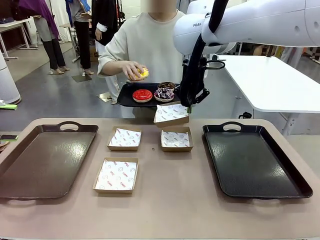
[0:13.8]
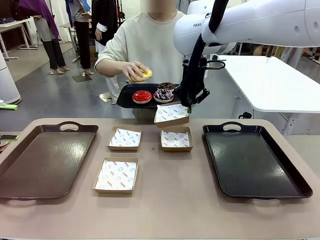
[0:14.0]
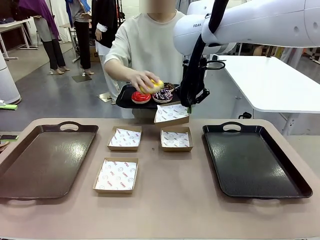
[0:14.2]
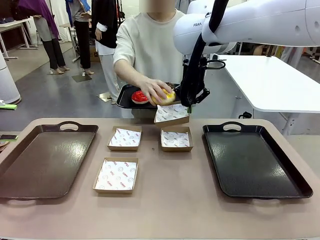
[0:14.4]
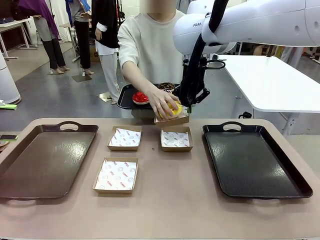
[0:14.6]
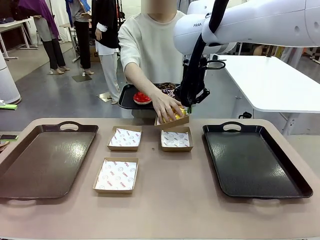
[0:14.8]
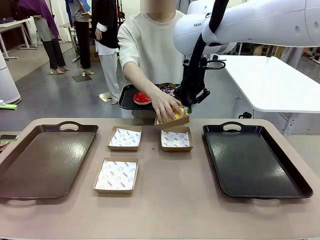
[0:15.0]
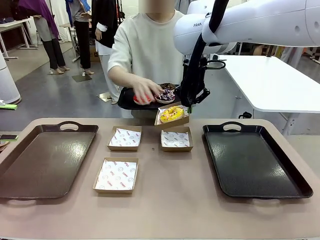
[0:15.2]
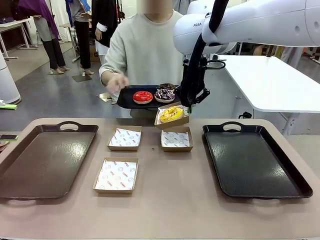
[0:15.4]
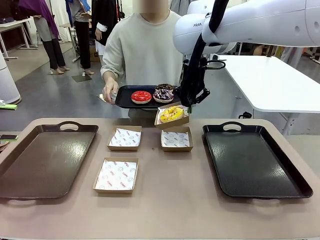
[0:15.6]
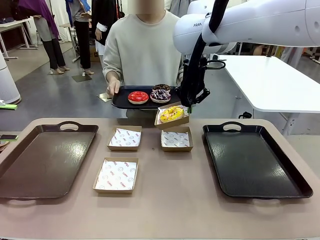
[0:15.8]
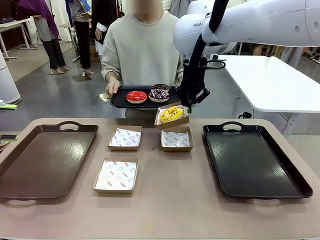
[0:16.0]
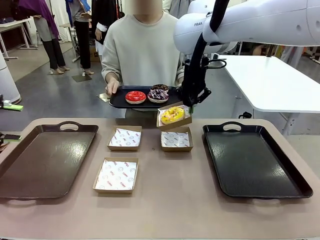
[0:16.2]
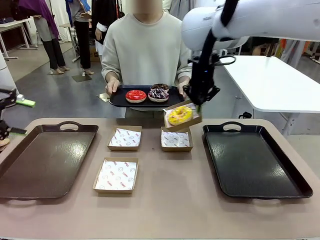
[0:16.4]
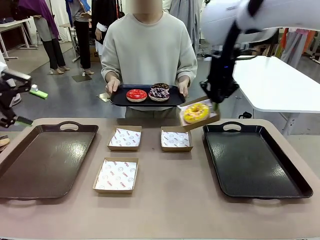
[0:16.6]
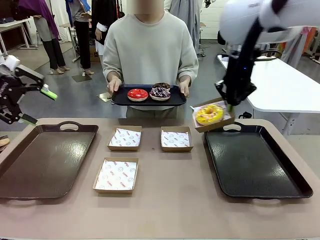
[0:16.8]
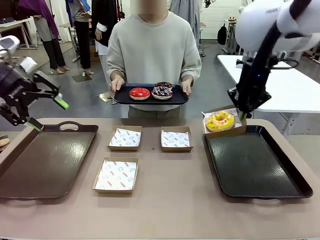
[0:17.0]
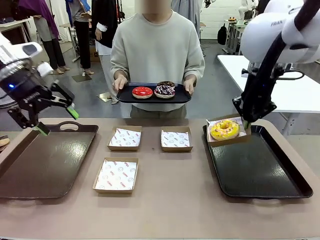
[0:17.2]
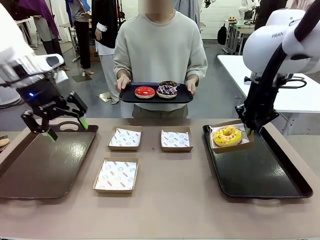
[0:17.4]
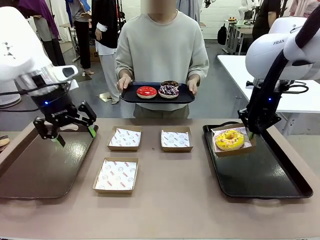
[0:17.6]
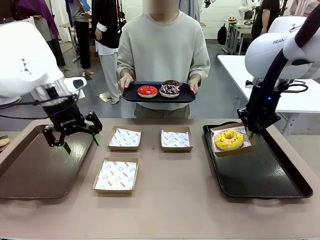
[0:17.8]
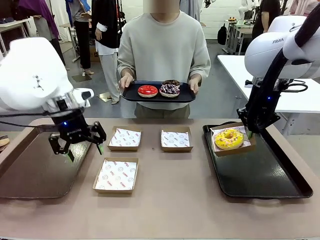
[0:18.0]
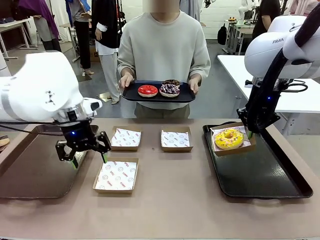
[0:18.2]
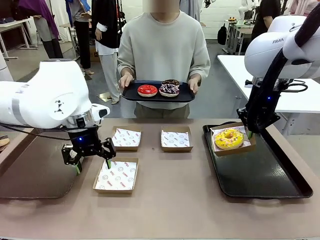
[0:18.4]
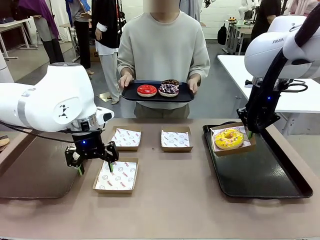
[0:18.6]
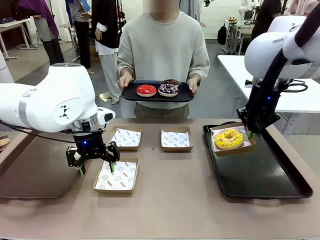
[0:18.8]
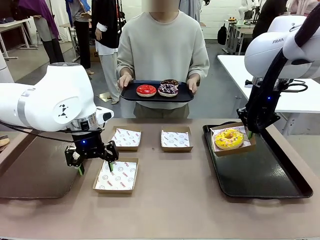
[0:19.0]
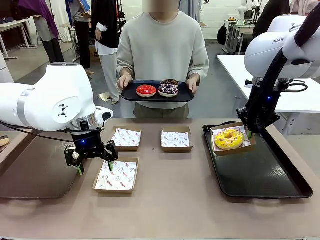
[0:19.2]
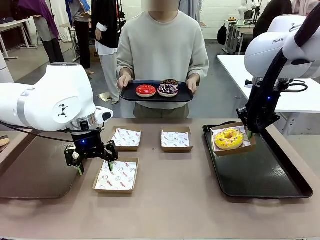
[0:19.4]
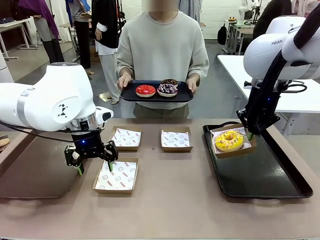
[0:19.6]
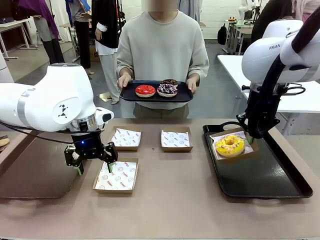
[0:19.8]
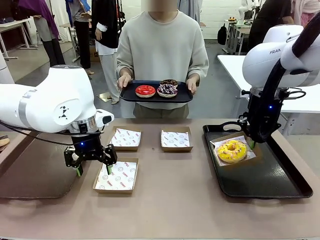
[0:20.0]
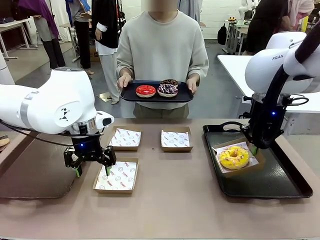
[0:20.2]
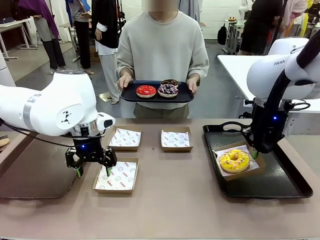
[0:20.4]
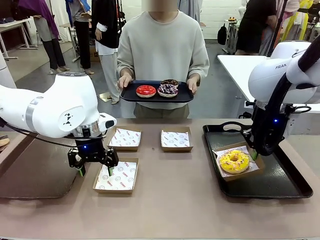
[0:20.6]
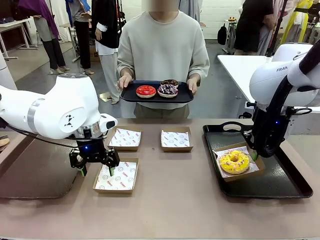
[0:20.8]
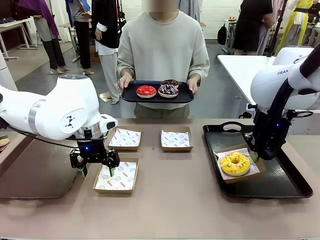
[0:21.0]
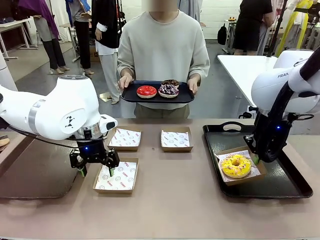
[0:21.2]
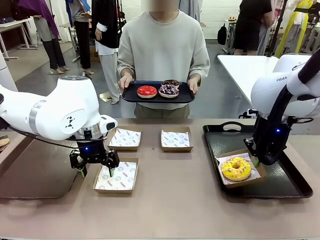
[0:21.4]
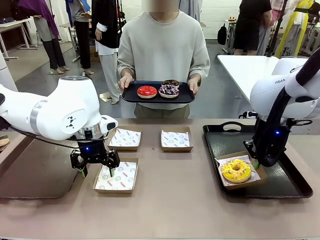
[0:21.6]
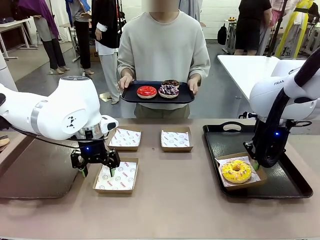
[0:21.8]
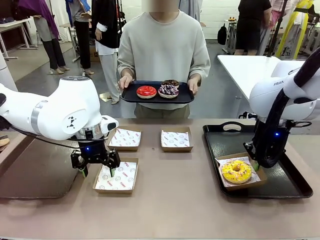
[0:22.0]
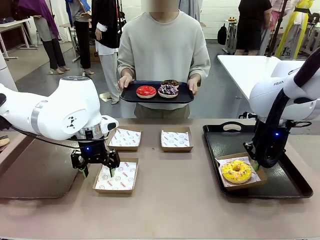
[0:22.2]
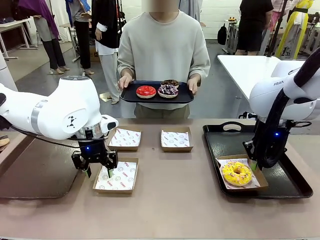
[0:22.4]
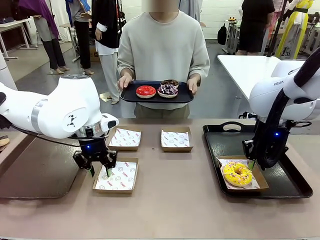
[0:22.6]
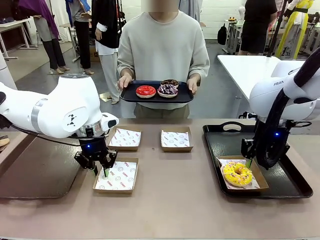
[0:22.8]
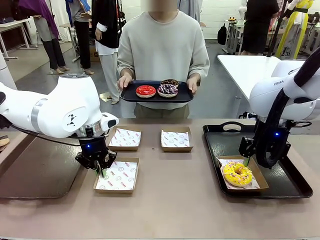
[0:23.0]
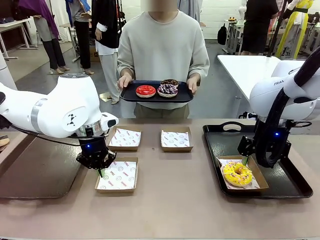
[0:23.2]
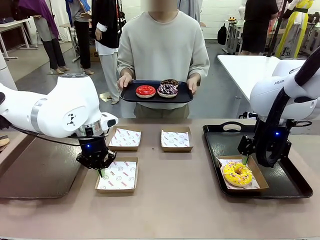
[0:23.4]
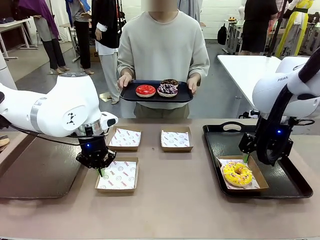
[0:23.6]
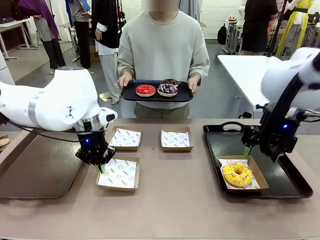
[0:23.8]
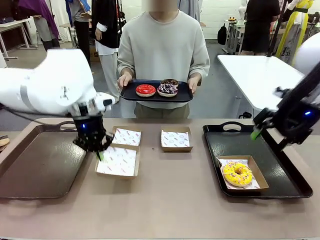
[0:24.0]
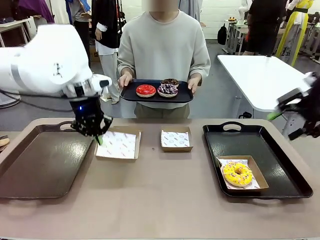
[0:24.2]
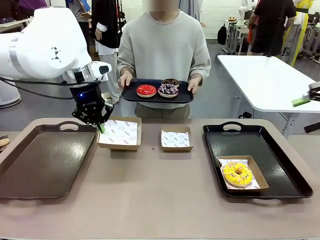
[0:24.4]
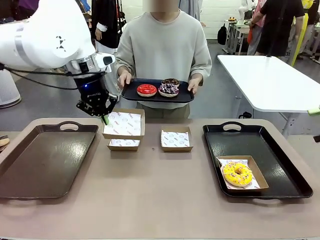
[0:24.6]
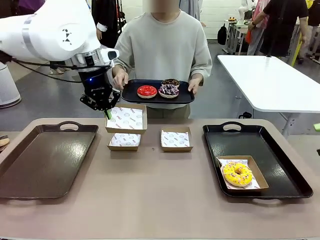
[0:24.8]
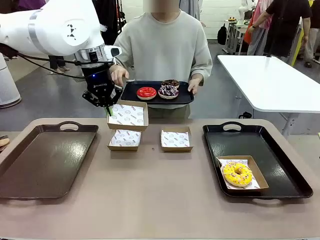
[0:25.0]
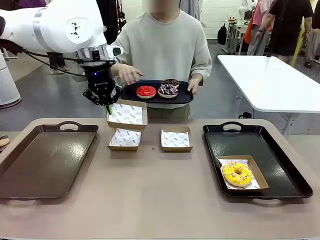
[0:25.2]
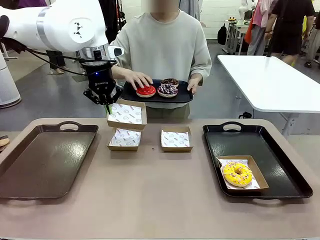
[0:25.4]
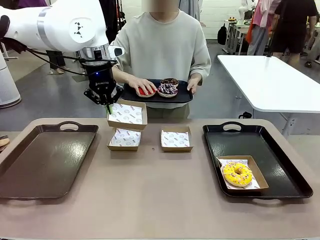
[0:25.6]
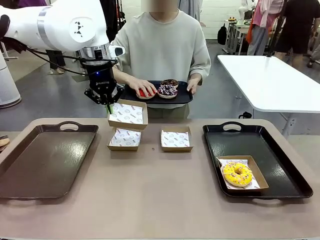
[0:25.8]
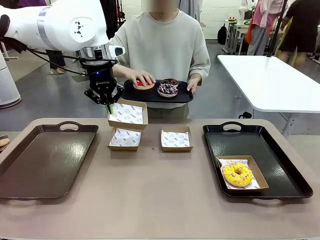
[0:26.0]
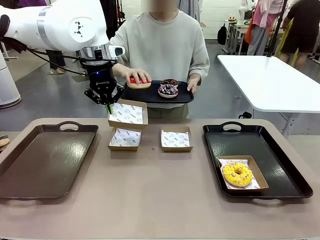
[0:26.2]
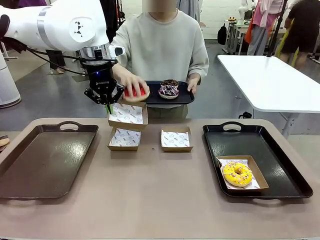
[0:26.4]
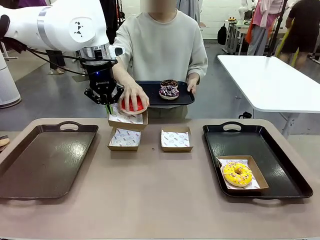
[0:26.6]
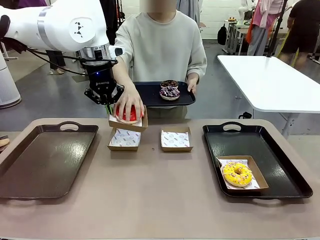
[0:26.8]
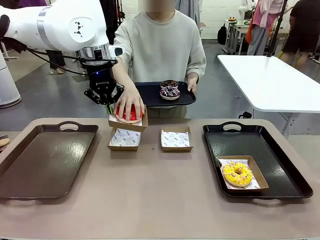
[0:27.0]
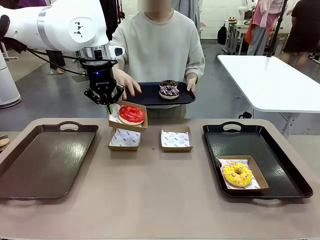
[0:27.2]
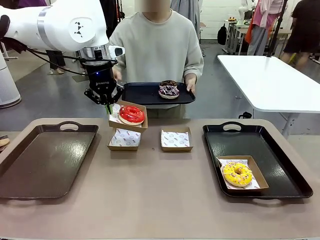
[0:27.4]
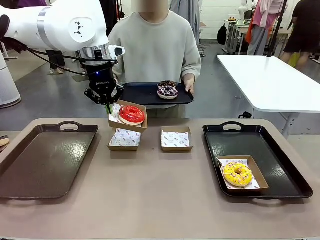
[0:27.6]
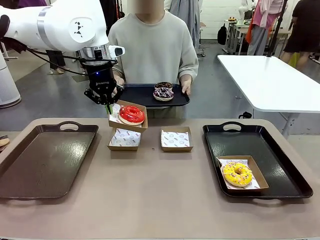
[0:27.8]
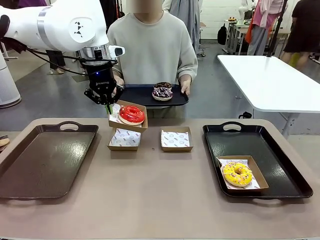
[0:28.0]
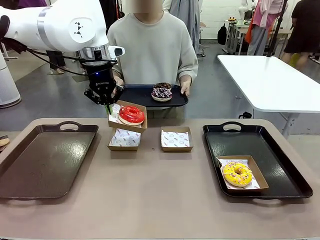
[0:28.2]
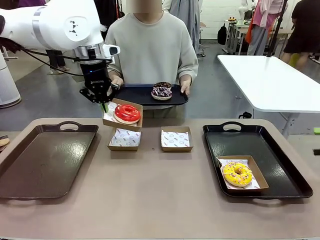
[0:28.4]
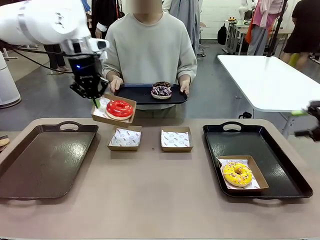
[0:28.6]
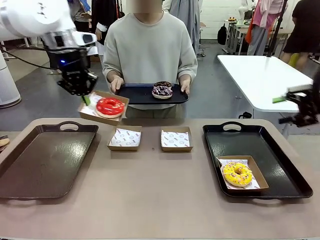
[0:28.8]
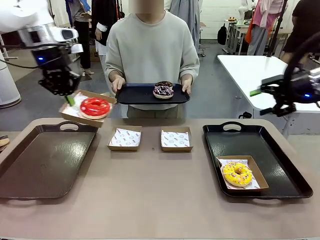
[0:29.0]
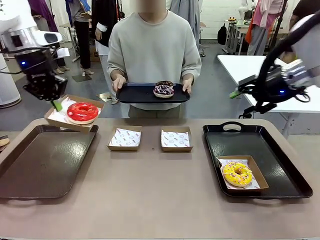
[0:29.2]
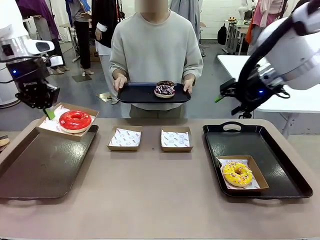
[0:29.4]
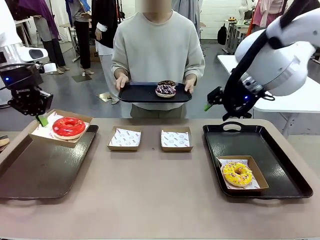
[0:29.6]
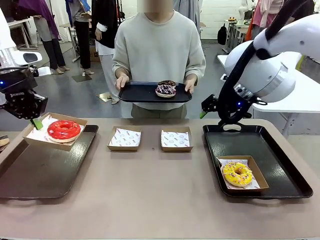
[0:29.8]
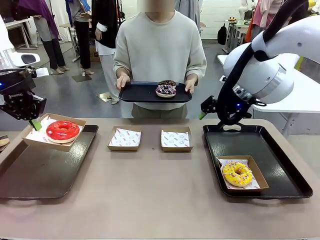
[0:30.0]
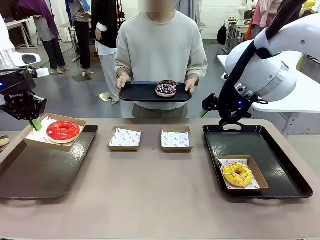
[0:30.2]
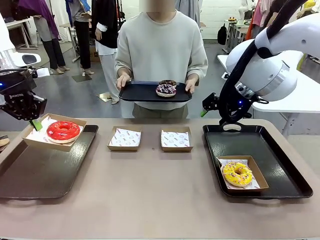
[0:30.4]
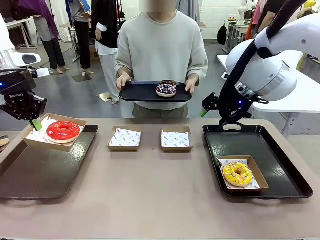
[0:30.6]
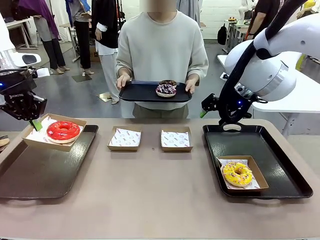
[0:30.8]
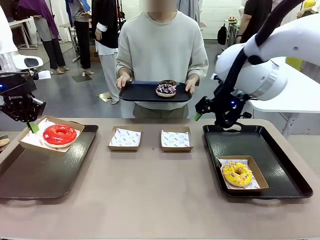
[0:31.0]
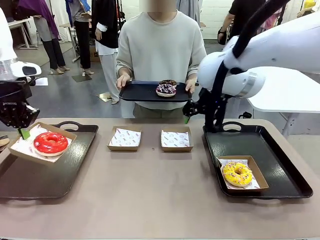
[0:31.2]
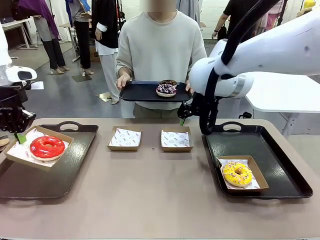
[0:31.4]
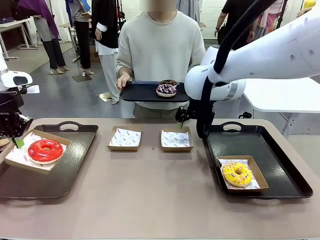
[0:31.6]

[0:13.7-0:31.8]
Task: Individually package the donuts and arrange them on the tray.
Robot: Place the picked Paper togo box on the Handle tray while simultaneously picking up another Paper togo box from the table with the other hand.
